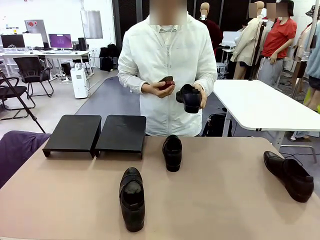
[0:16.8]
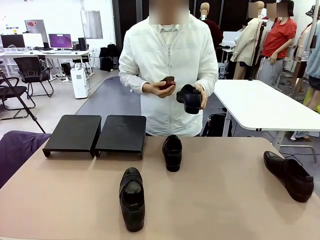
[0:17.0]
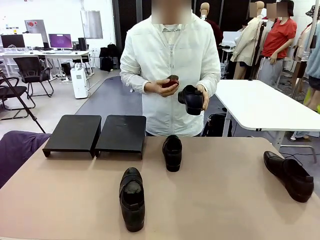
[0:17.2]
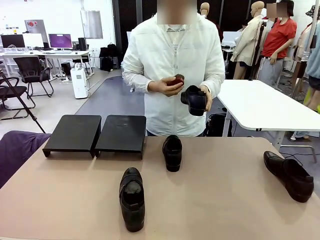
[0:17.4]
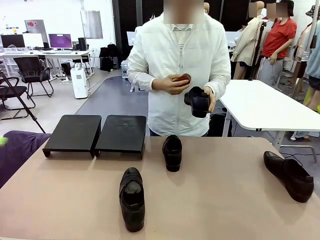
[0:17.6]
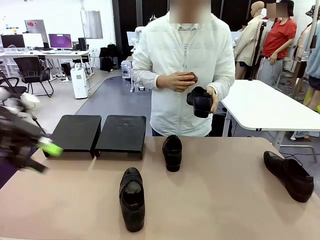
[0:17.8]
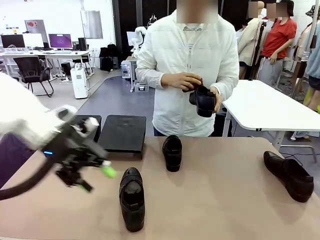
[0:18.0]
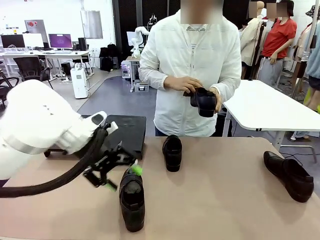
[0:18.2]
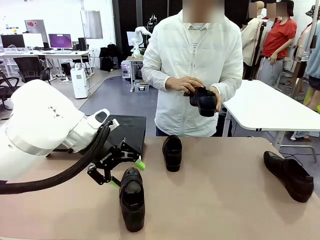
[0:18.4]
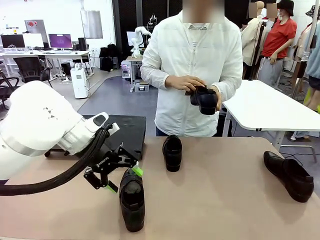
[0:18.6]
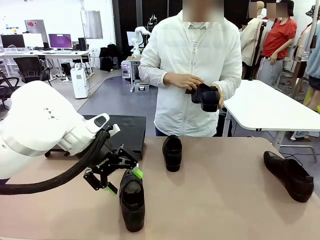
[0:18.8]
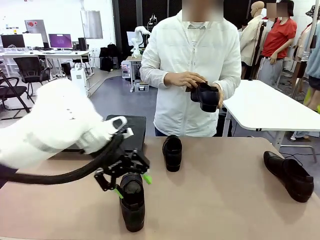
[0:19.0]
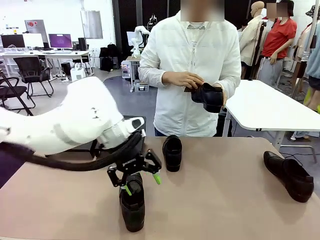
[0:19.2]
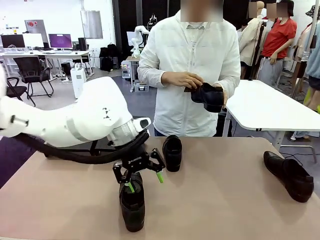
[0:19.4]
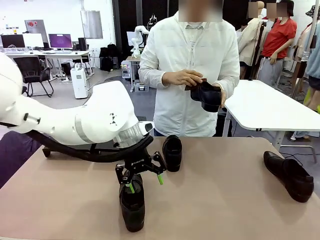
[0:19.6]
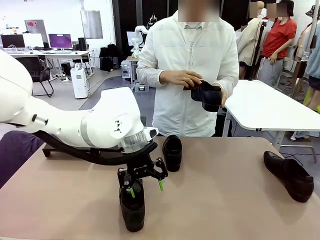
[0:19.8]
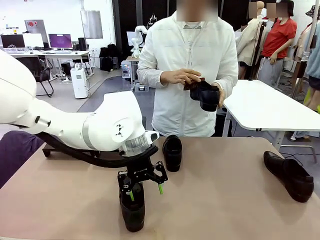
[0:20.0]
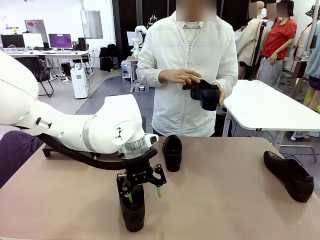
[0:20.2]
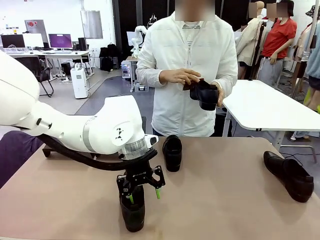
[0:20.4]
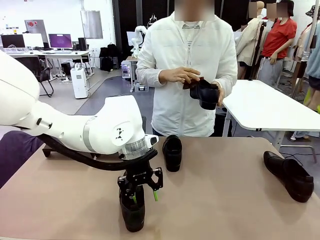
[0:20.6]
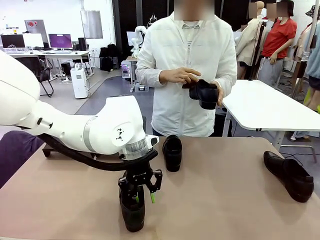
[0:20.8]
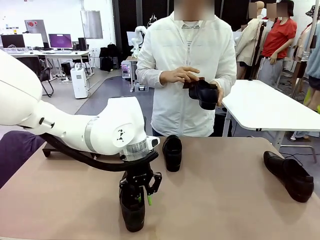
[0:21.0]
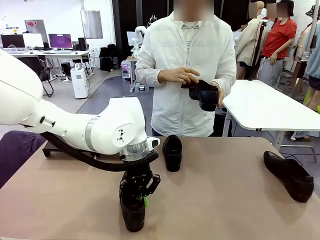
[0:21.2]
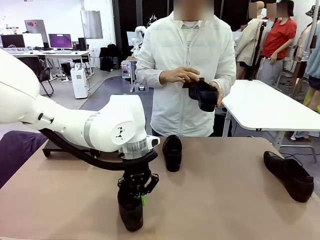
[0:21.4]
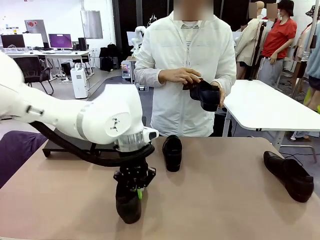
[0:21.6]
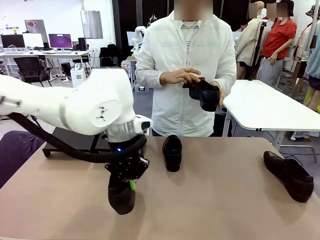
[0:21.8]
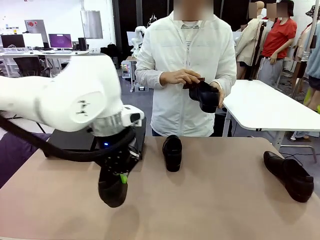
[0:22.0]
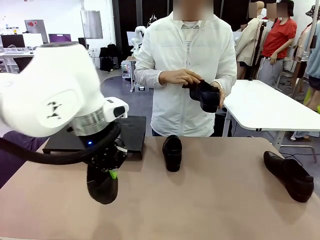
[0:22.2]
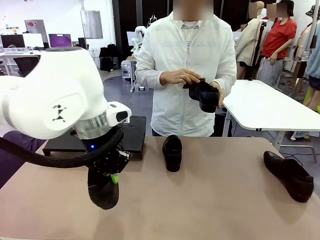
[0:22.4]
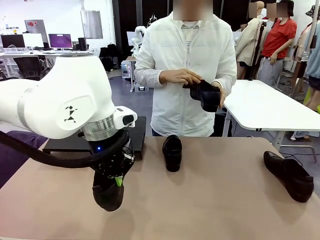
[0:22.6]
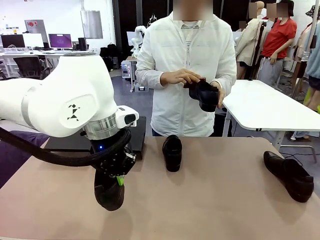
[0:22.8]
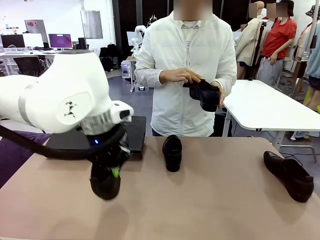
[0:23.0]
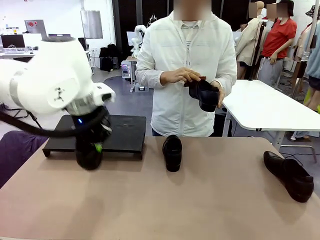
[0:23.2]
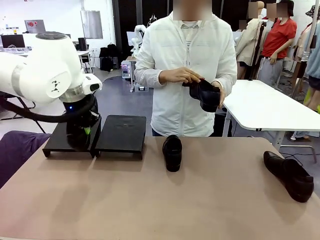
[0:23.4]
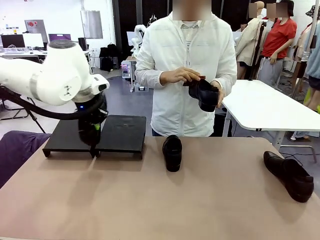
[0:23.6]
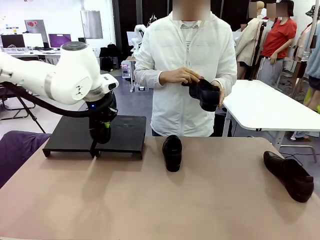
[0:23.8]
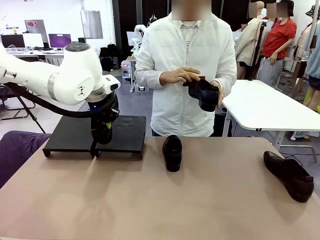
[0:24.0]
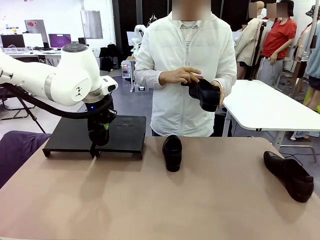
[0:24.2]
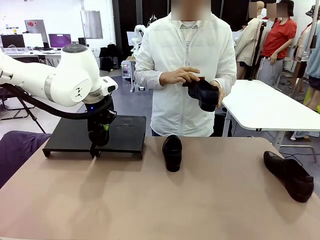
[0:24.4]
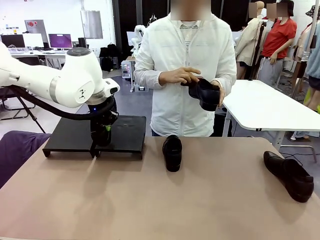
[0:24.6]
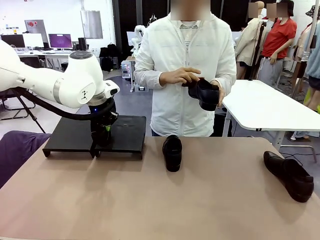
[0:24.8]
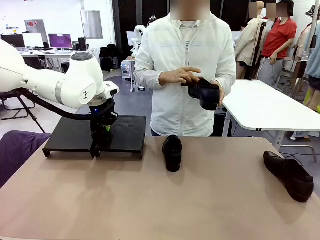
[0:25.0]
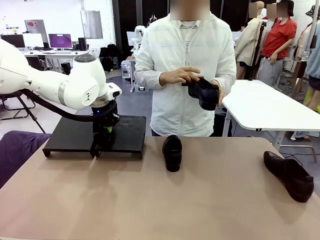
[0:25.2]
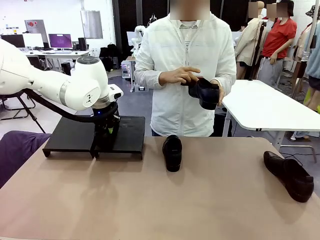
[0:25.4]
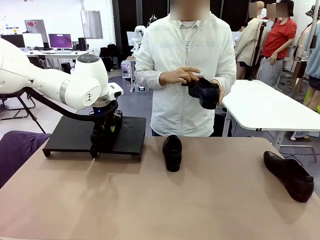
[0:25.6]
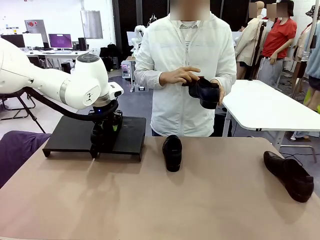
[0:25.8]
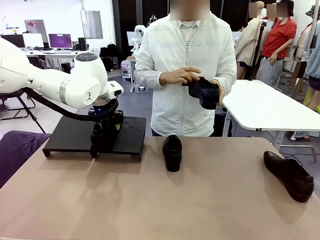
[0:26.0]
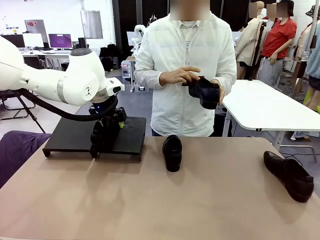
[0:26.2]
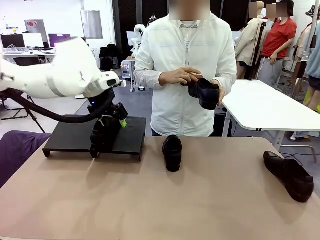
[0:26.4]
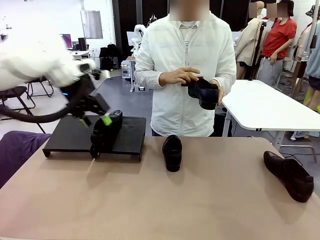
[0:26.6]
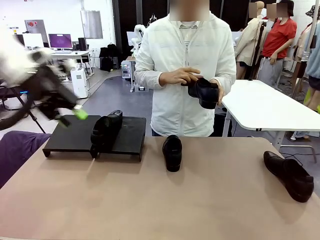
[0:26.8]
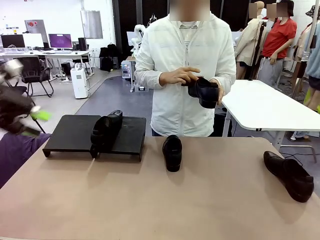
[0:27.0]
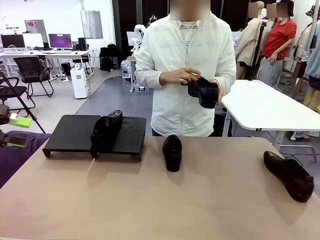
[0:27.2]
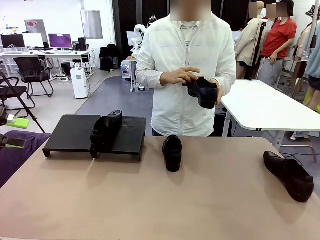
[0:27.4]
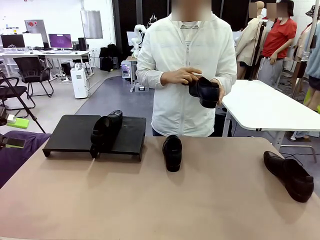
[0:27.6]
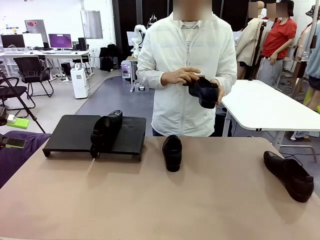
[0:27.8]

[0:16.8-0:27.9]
Task: Organize the shoes by placing them on the stand.
Robot: Place the Shoe from the middle of the table onto the Shoes Stand.
Person: Clean the Shoe with the Shoe Brush.

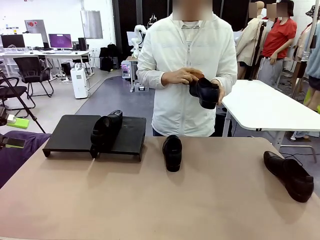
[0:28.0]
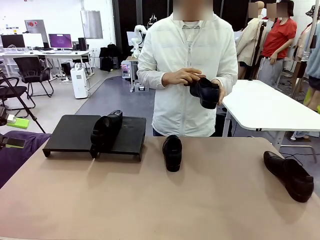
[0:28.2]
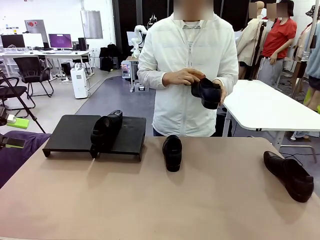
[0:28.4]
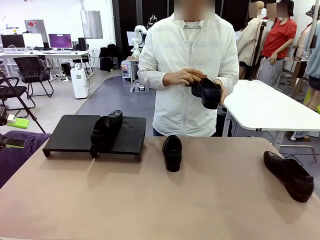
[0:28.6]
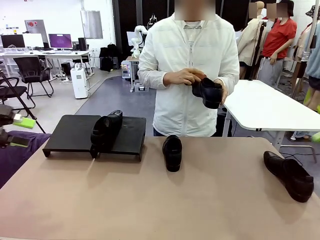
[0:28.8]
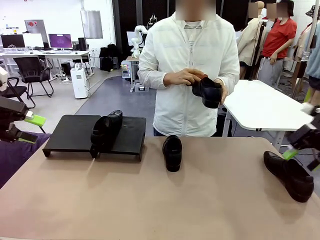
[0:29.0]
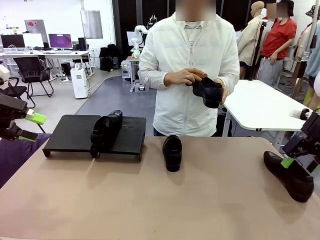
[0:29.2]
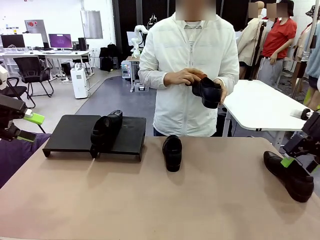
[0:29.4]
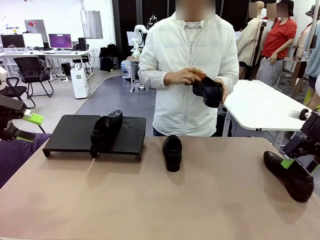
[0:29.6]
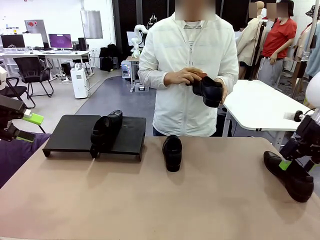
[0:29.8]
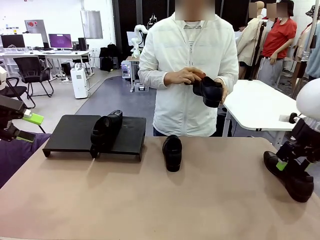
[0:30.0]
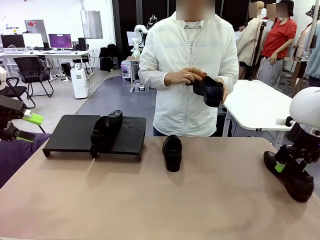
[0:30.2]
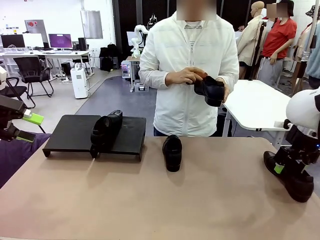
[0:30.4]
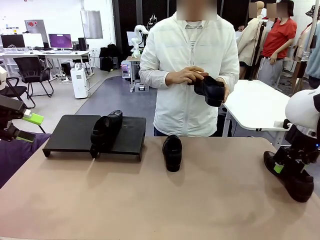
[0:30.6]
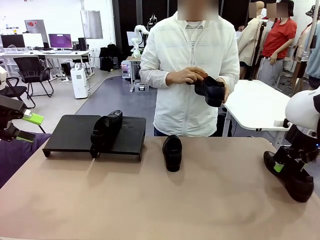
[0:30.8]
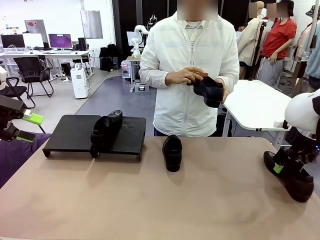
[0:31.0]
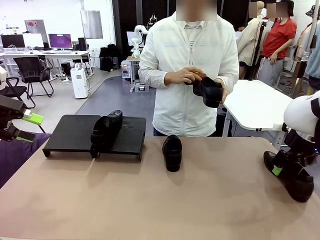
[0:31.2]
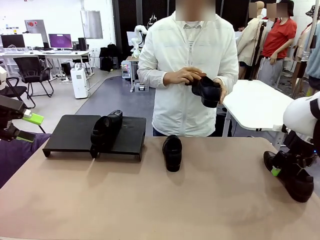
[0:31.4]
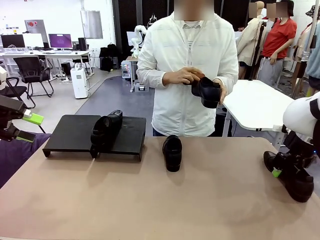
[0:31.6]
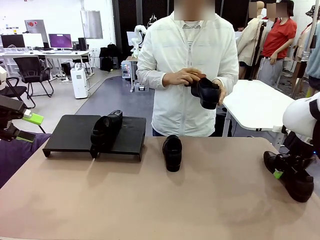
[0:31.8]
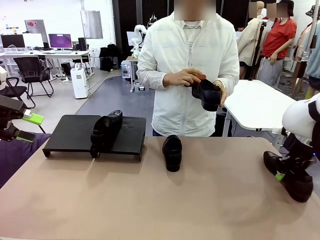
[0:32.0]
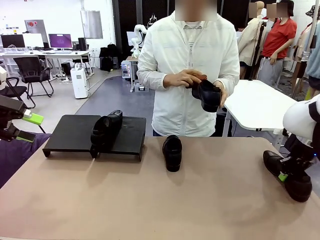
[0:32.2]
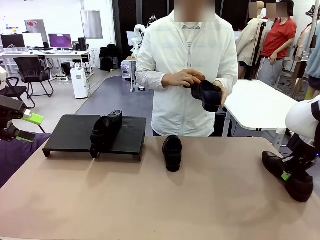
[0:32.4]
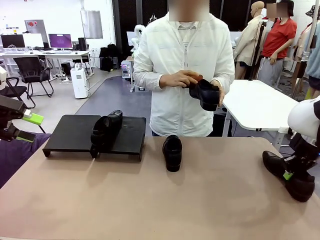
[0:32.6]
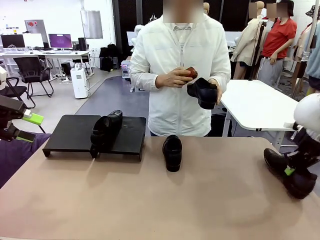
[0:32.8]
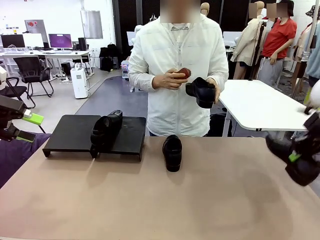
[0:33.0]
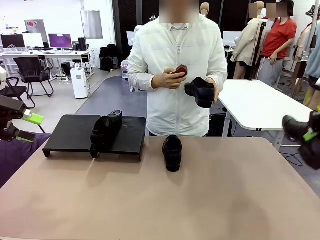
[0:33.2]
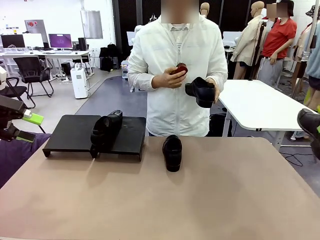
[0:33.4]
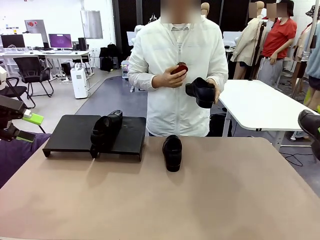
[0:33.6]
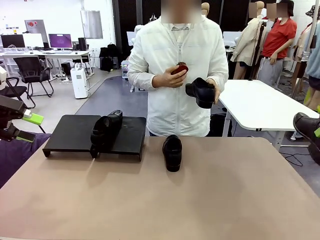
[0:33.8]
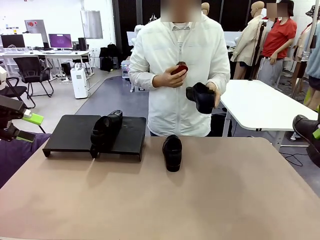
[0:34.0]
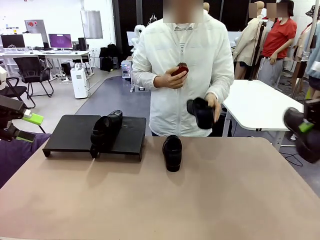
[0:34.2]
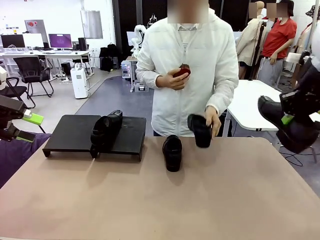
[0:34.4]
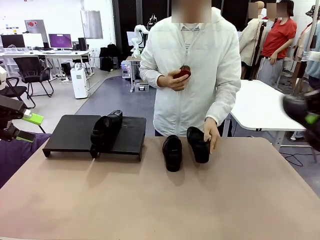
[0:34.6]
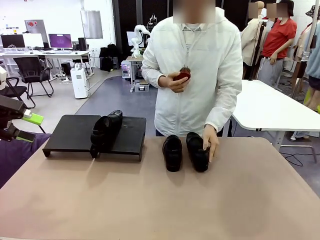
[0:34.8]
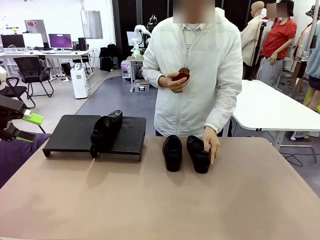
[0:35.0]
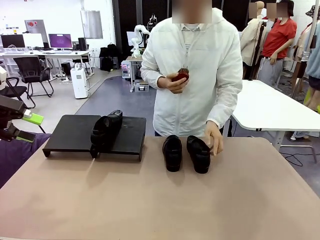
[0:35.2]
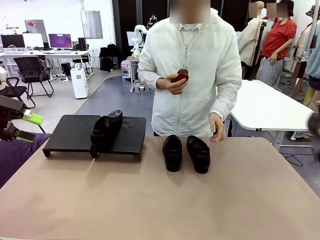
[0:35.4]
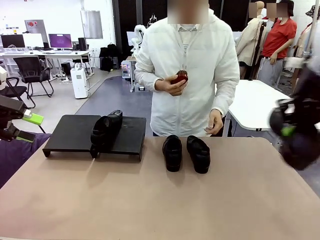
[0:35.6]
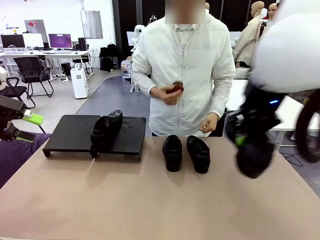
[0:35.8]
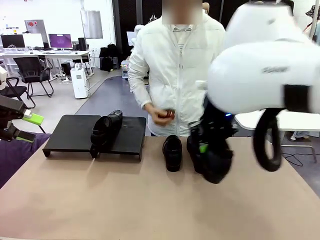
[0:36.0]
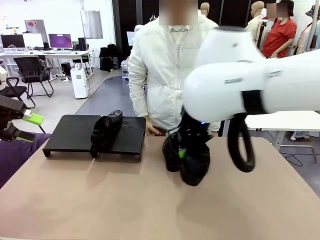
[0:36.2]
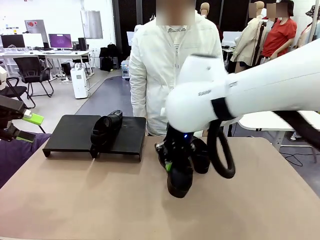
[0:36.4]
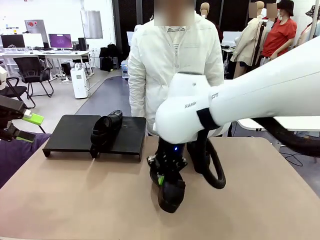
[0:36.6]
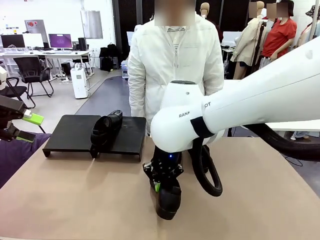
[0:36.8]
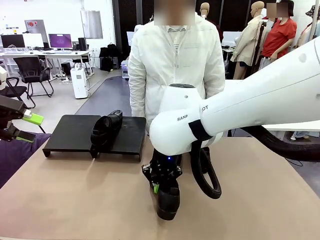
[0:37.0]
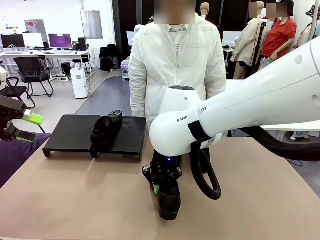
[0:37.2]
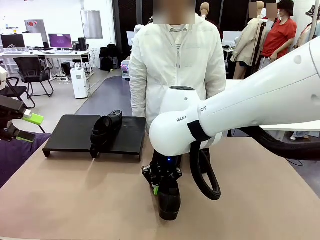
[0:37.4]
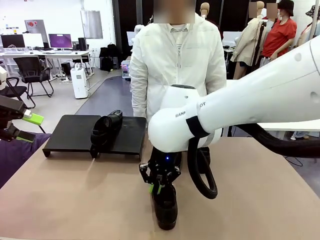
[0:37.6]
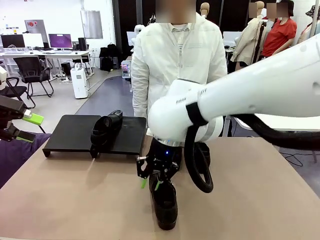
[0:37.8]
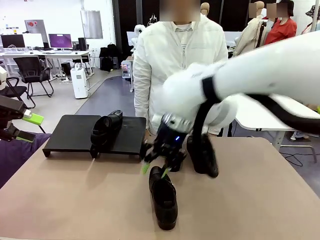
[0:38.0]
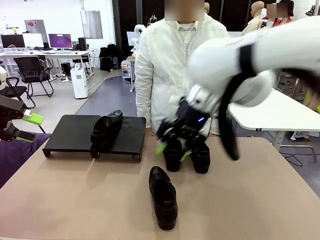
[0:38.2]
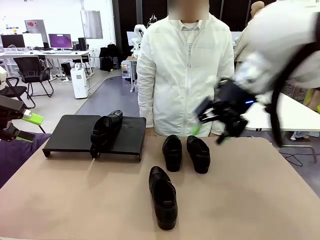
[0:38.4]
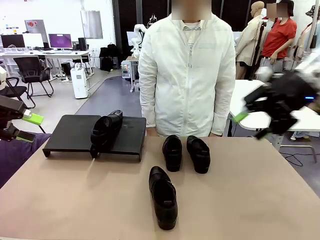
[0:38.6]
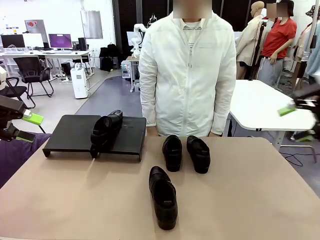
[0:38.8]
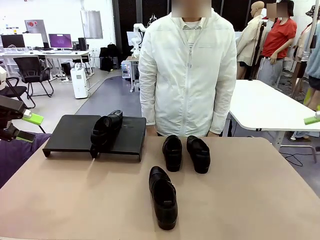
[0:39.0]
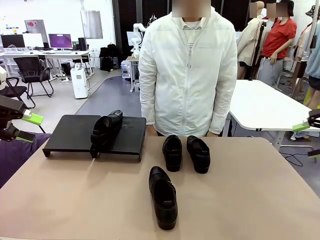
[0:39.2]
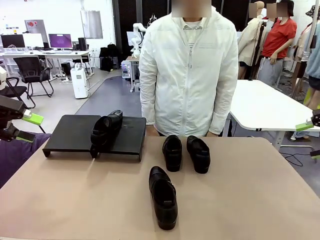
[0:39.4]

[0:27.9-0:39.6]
Robot: Pick up one Shoe and place it in the middle of the table.
